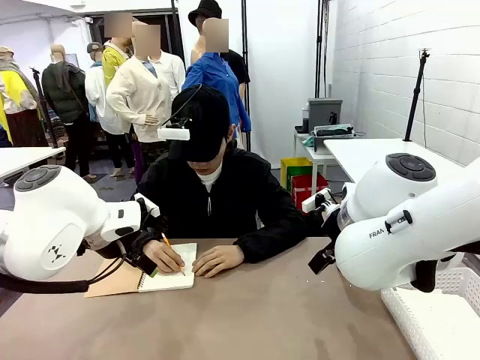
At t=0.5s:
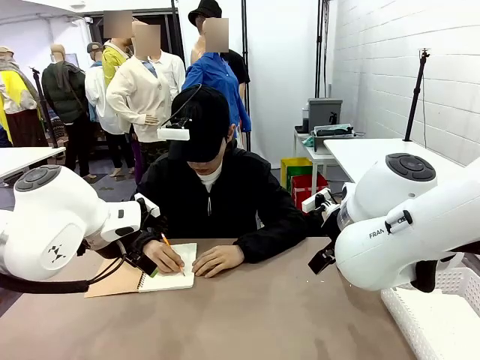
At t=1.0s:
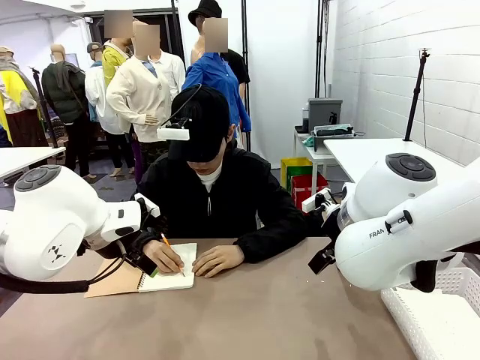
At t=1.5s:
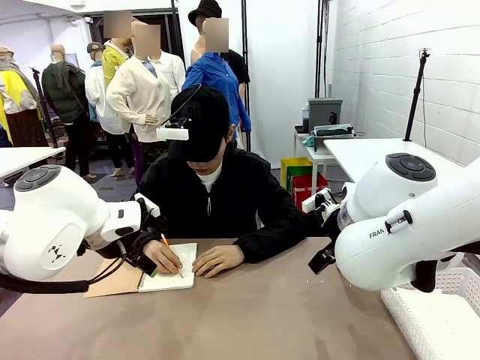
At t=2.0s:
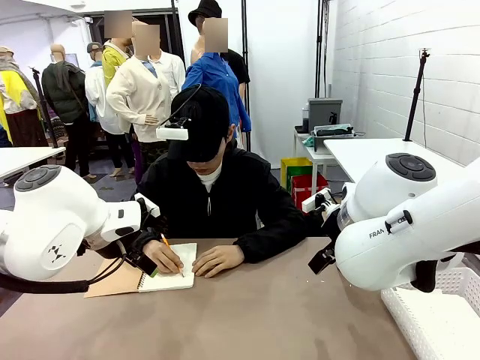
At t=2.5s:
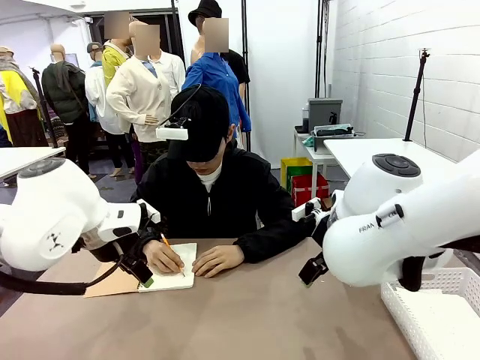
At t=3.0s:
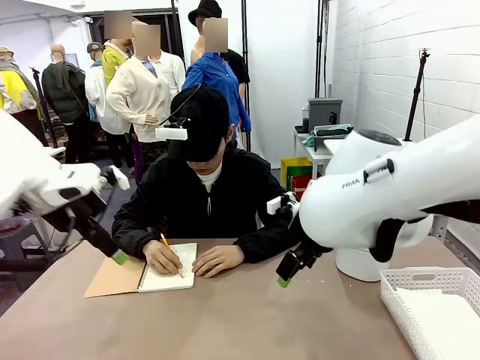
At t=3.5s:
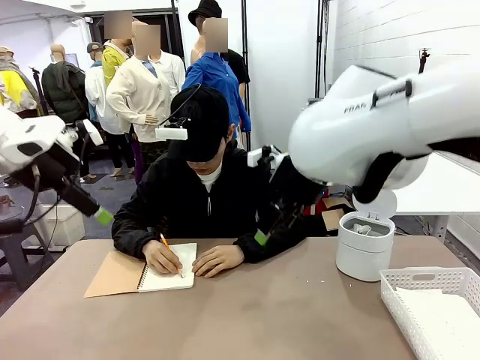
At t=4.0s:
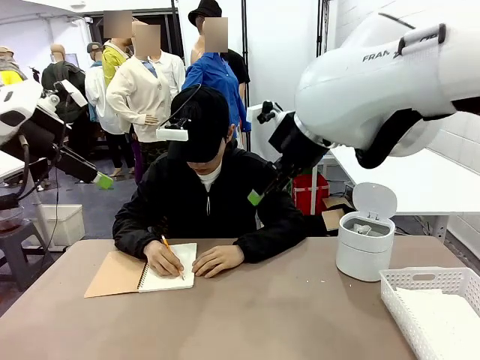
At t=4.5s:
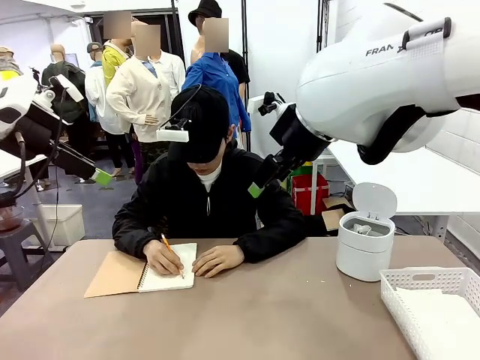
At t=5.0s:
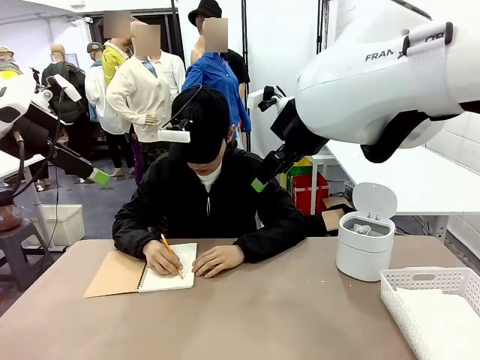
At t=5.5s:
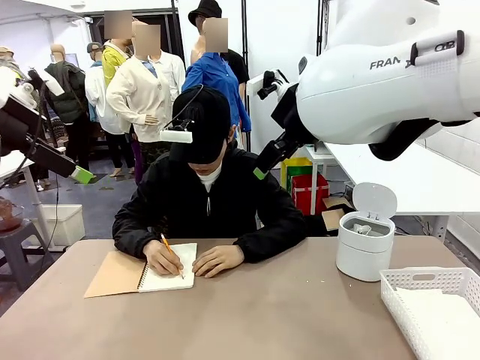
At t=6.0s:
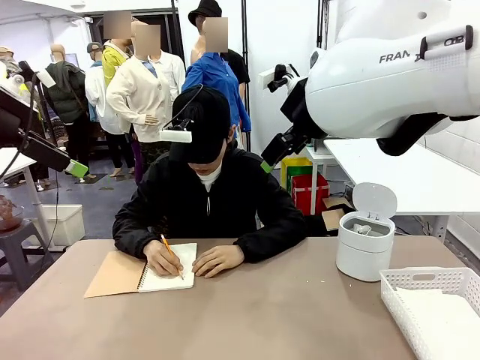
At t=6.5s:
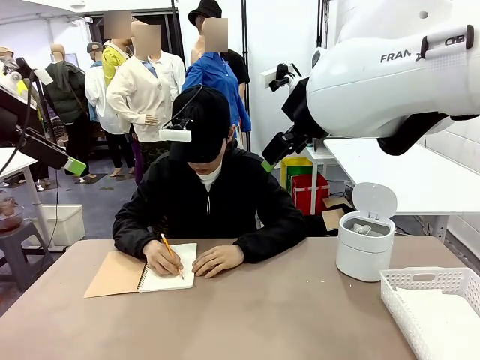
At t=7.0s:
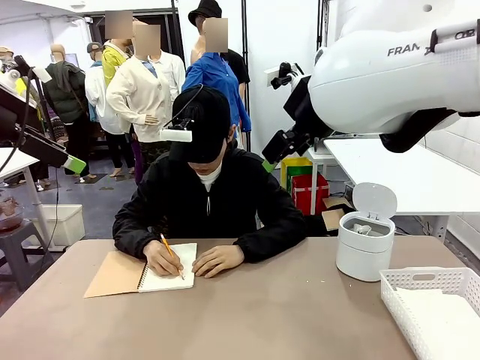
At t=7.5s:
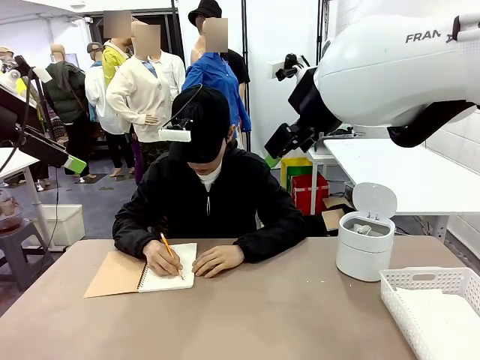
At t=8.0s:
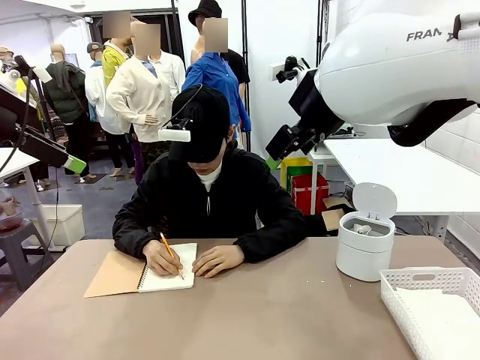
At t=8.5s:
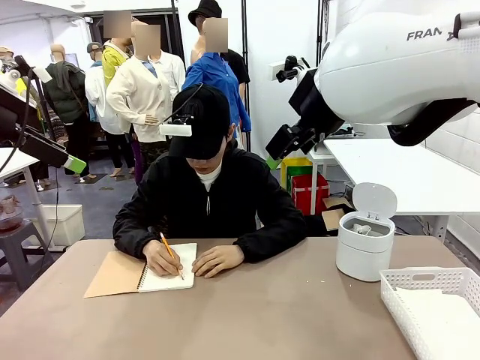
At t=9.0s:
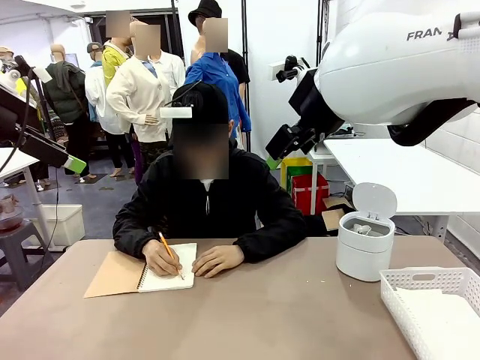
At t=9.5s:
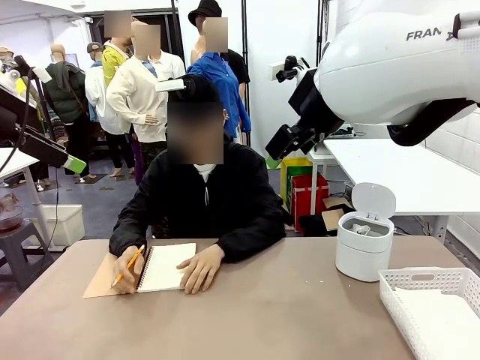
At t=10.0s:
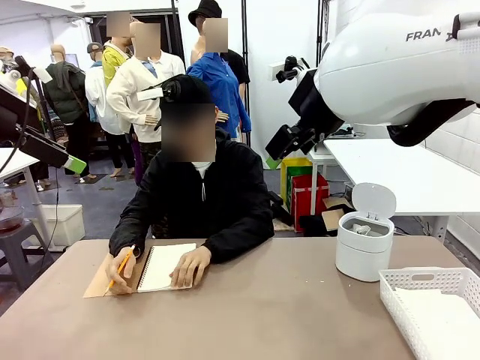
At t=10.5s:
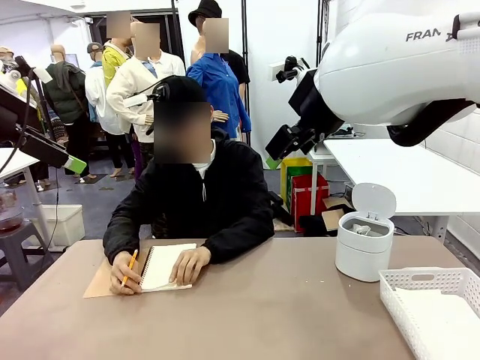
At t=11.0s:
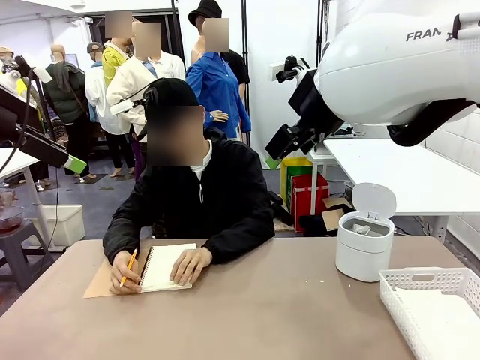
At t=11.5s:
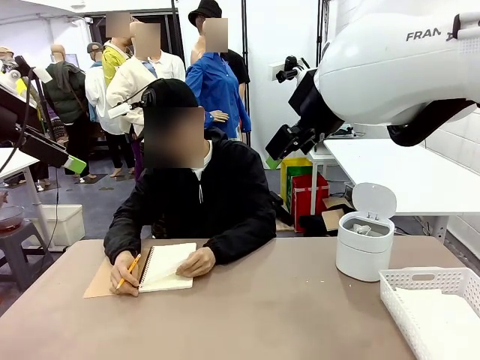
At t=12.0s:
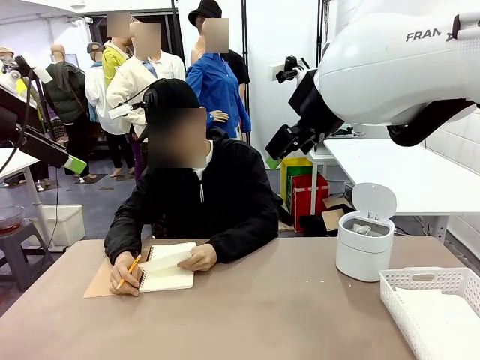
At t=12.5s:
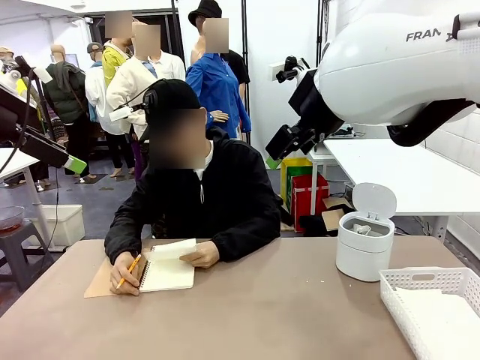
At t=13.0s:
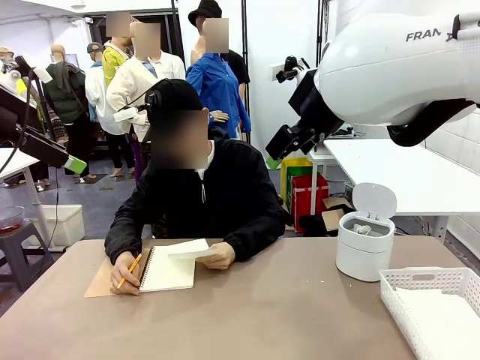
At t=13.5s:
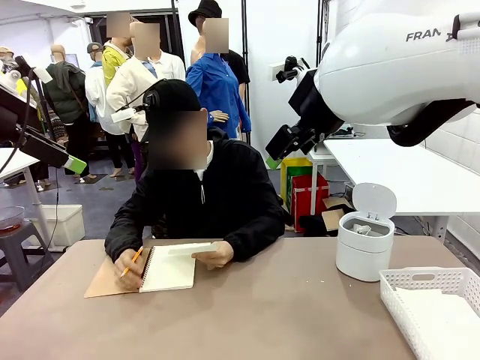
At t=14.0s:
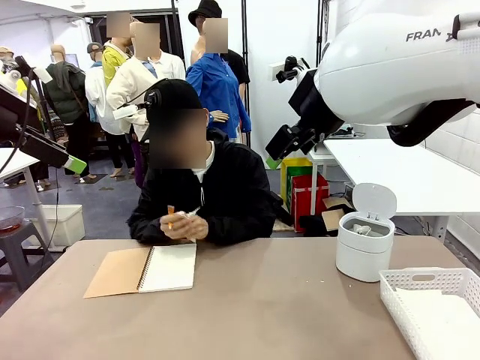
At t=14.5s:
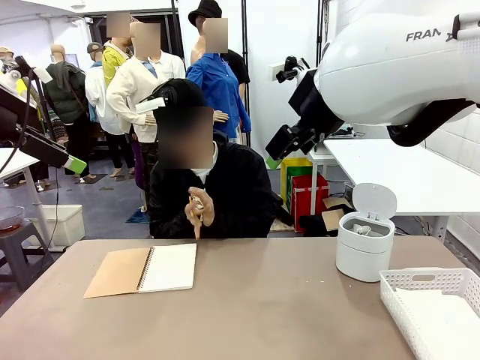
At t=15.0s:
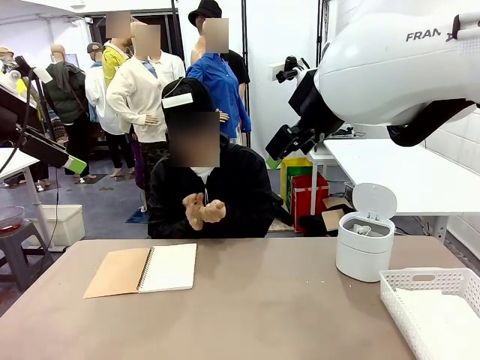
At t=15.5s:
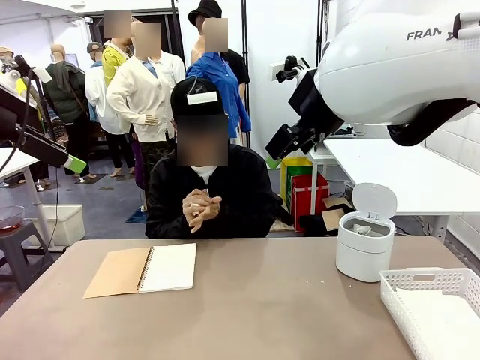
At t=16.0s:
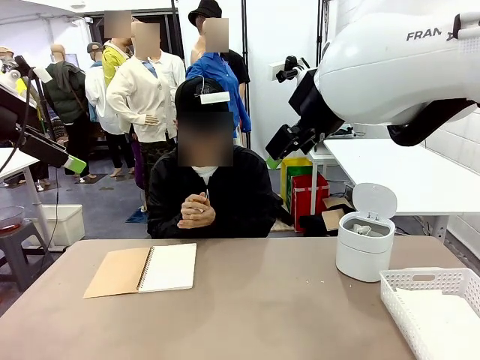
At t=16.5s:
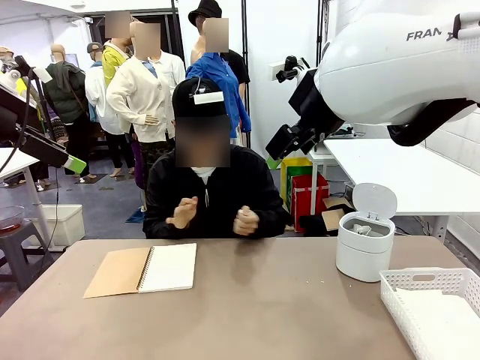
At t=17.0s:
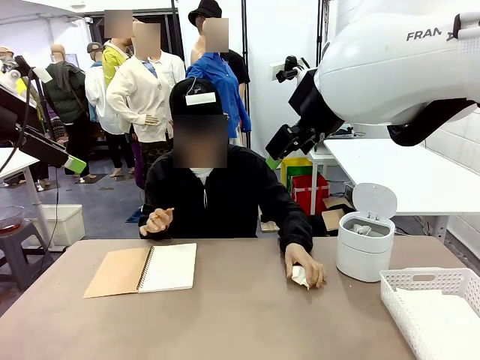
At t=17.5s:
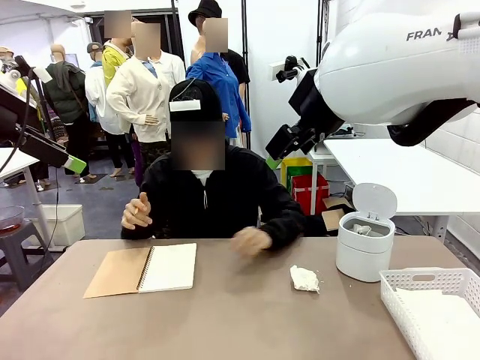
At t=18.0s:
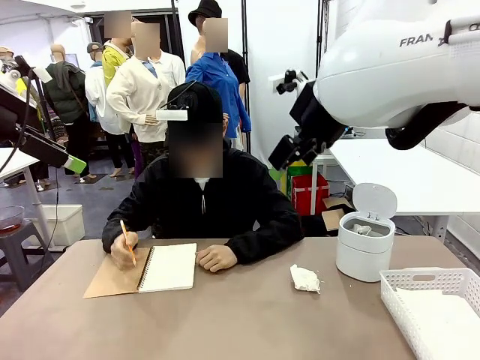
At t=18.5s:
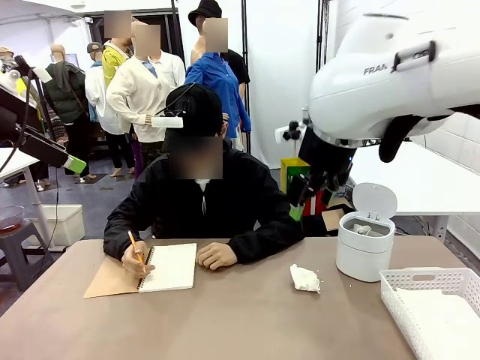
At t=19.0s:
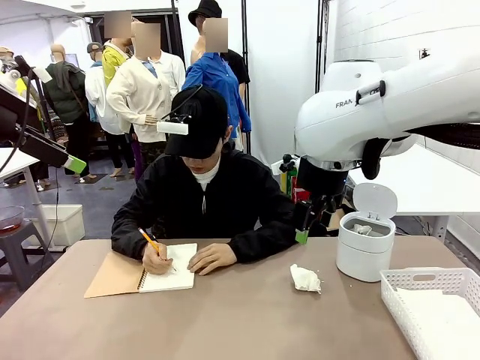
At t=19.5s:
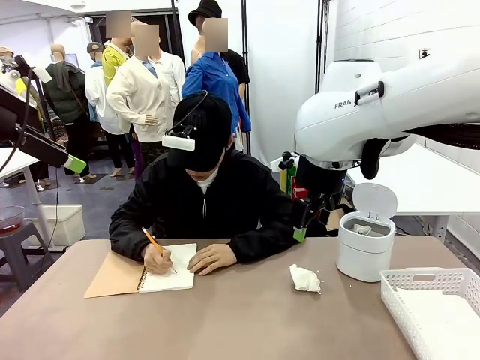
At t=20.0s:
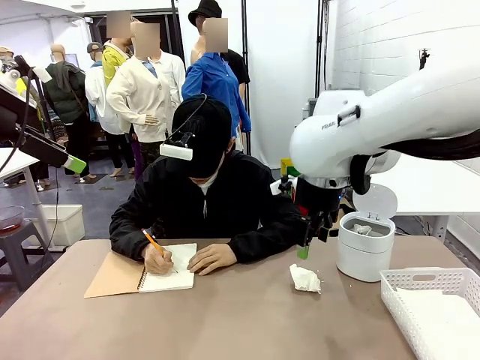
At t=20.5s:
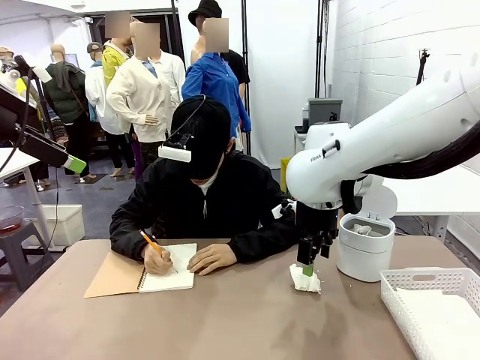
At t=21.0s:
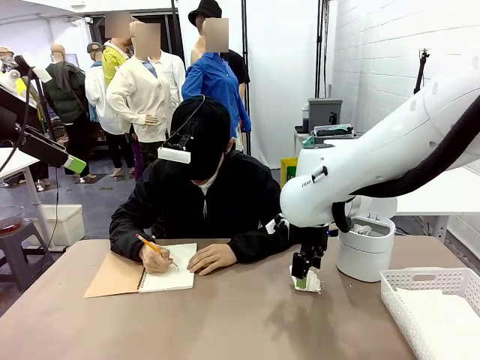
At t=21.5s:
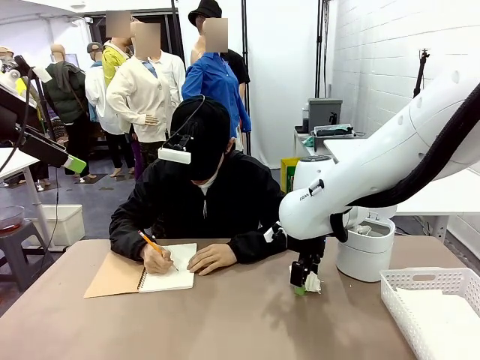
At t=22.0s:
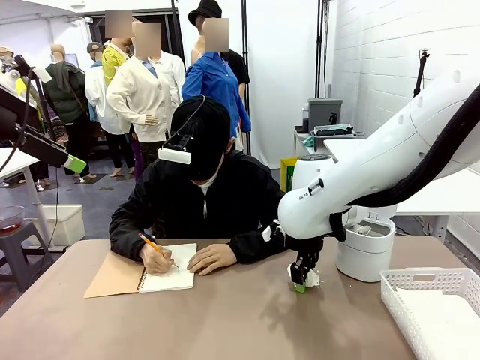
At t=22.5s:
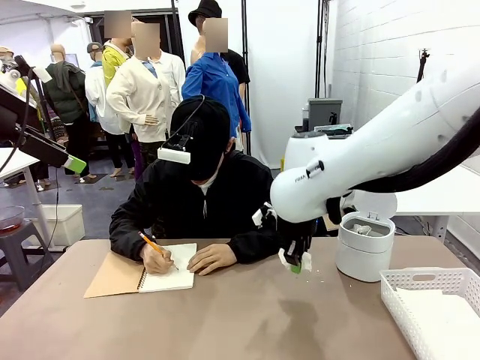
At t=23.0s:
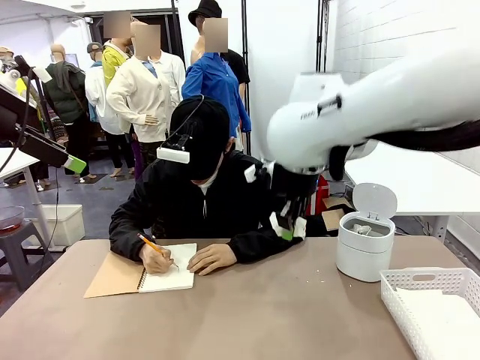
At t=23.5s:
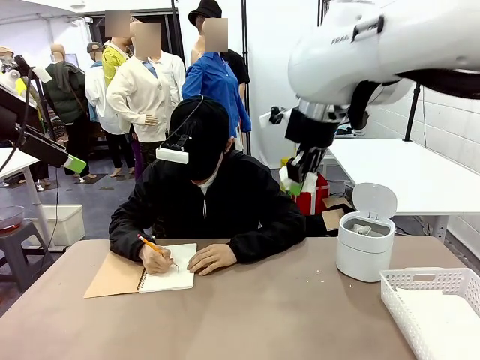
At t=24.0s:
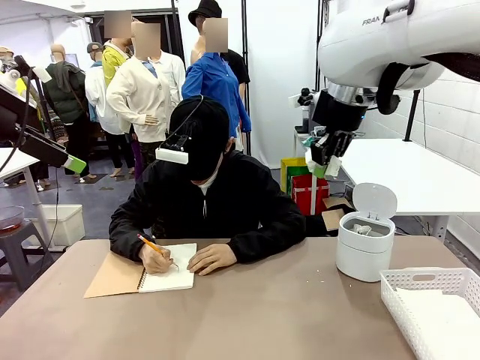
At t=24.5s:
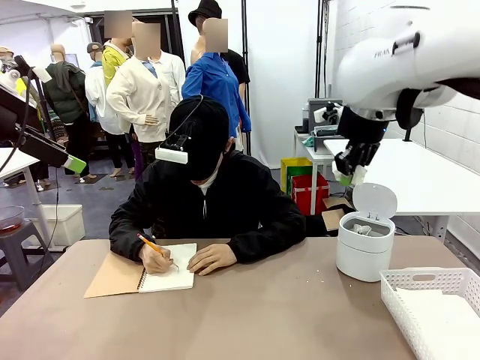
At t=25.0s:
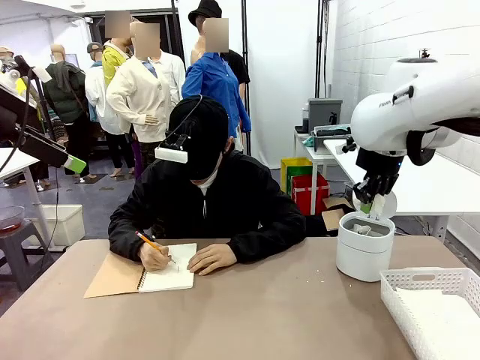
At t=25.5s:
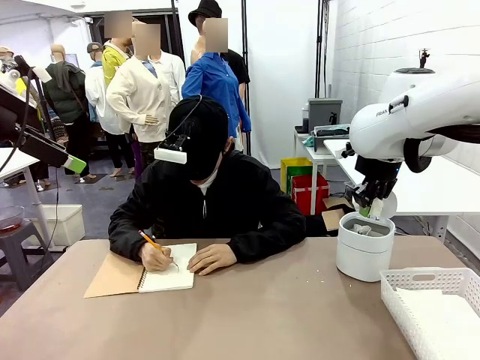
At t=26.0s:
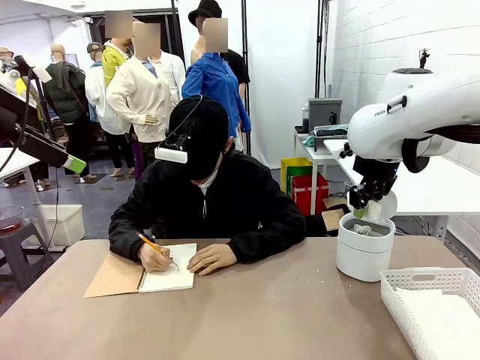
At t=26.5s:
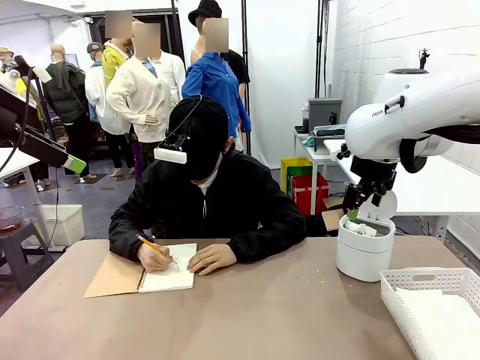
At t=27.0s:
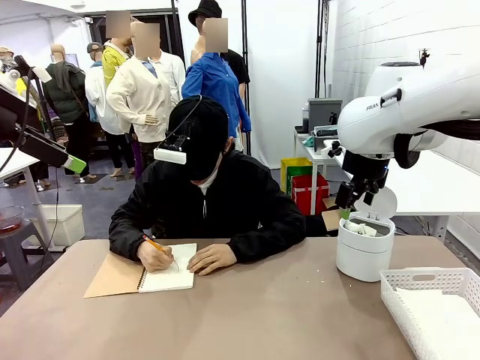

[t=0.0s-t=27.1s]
Task: Sort the paper based on its condition.
Robot: If a person hands you a paper, place it in the Organizing basket , and if it's crumpled, put it in the Trash can.
Person: Tear out a page from the spiral notebook. Hand the torn page to the robot or crumple it and throw it to the center of the table. Tear out a page from the spiral notebook.
